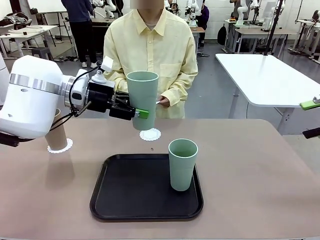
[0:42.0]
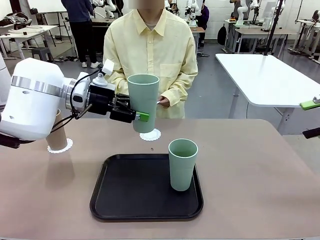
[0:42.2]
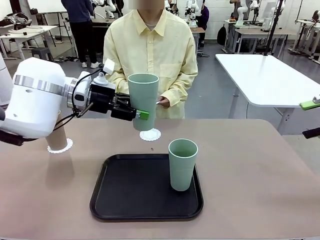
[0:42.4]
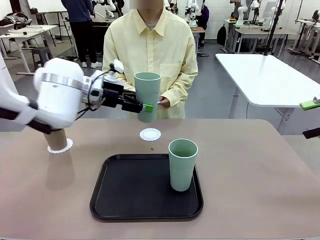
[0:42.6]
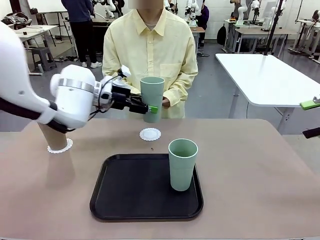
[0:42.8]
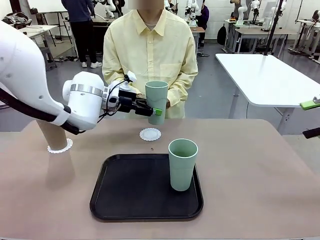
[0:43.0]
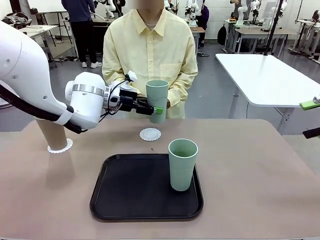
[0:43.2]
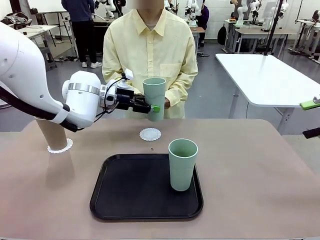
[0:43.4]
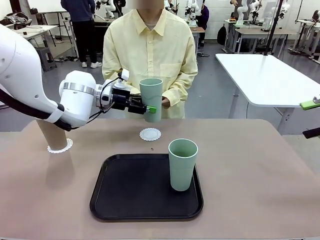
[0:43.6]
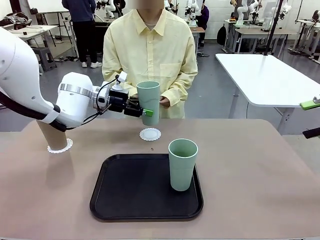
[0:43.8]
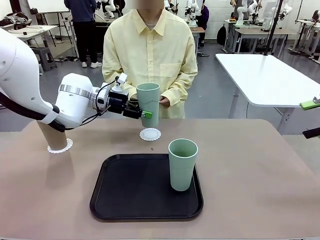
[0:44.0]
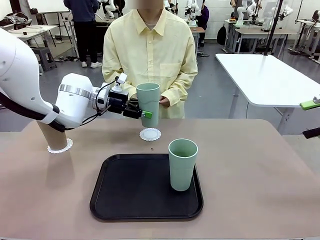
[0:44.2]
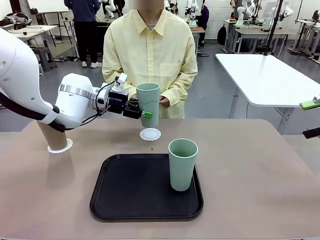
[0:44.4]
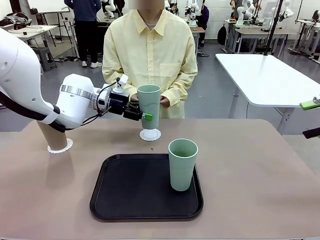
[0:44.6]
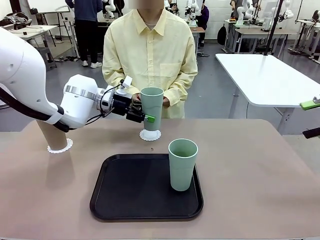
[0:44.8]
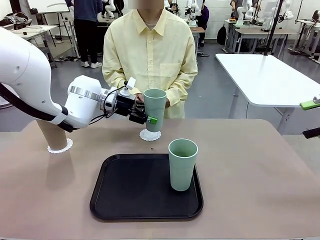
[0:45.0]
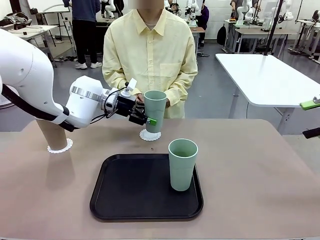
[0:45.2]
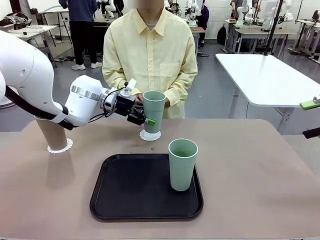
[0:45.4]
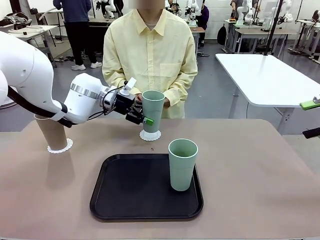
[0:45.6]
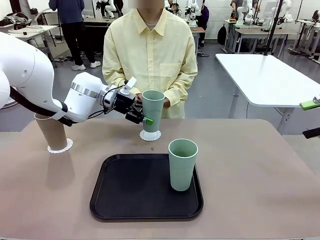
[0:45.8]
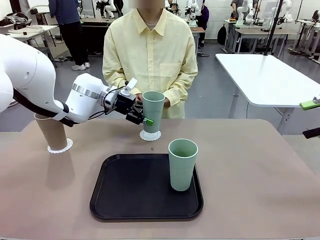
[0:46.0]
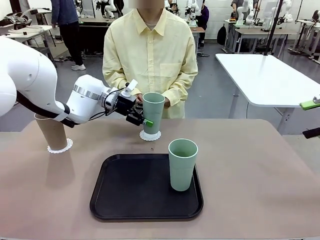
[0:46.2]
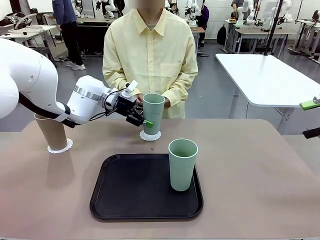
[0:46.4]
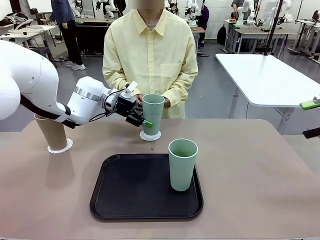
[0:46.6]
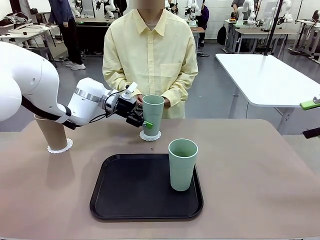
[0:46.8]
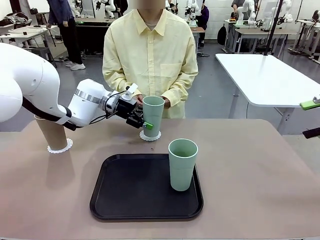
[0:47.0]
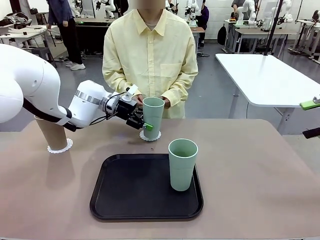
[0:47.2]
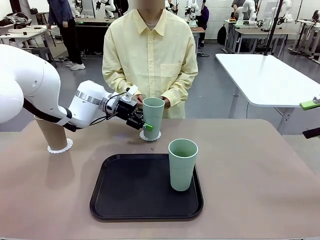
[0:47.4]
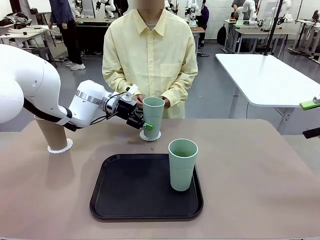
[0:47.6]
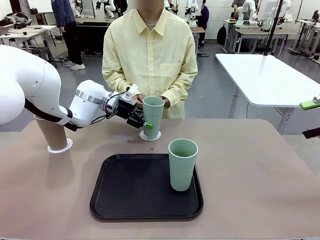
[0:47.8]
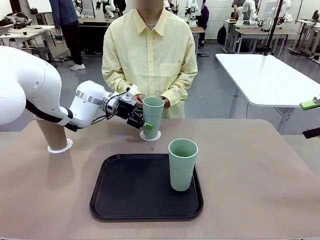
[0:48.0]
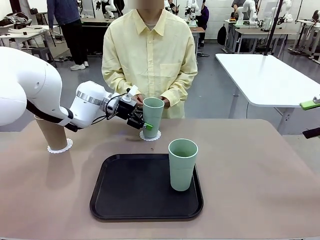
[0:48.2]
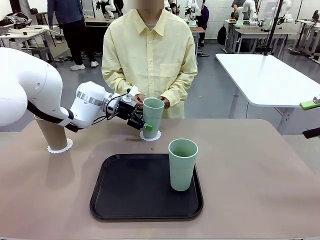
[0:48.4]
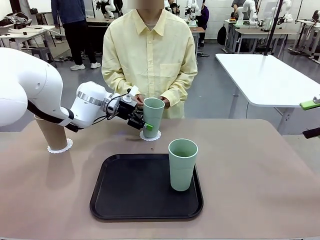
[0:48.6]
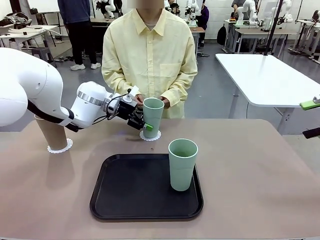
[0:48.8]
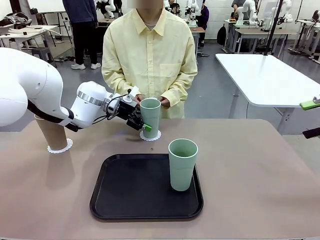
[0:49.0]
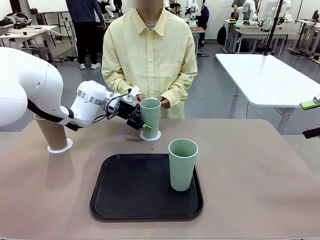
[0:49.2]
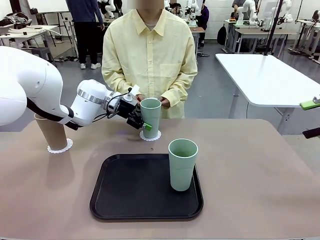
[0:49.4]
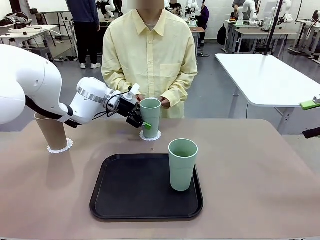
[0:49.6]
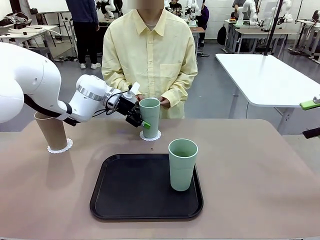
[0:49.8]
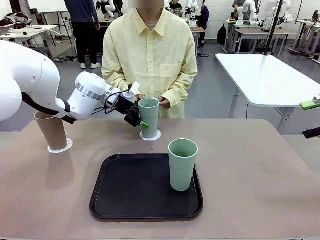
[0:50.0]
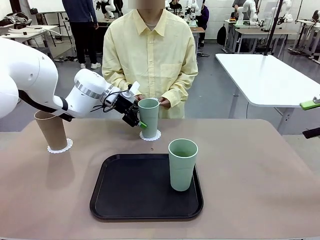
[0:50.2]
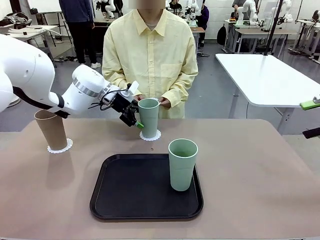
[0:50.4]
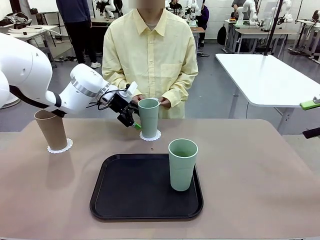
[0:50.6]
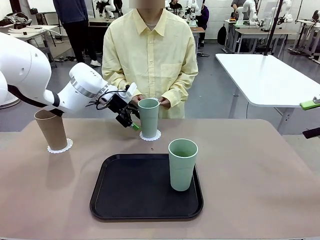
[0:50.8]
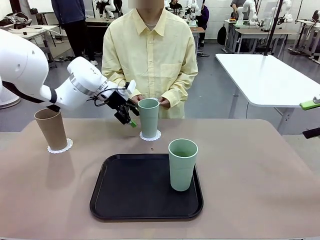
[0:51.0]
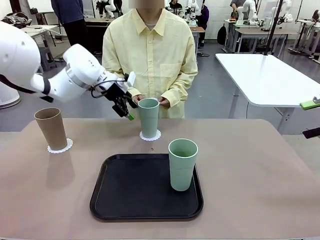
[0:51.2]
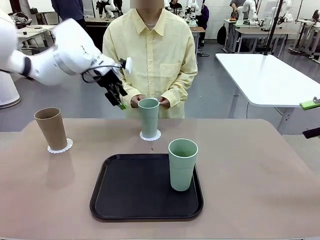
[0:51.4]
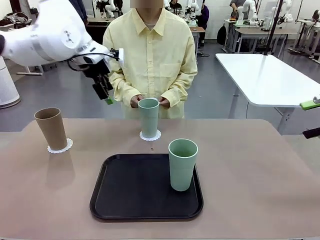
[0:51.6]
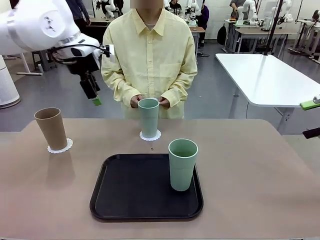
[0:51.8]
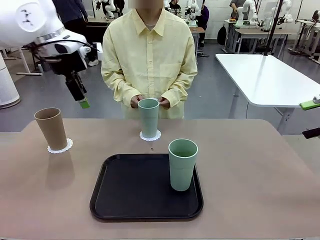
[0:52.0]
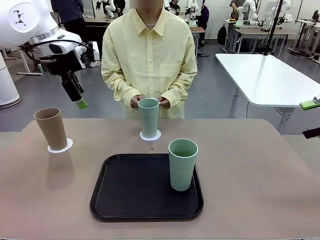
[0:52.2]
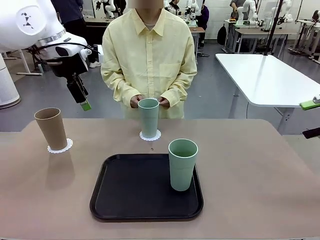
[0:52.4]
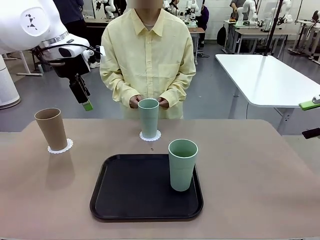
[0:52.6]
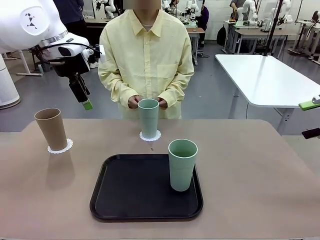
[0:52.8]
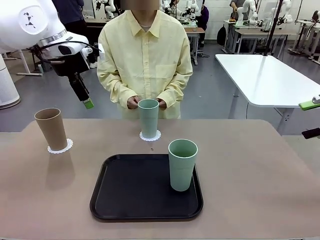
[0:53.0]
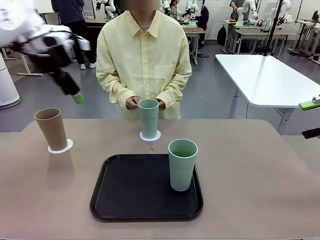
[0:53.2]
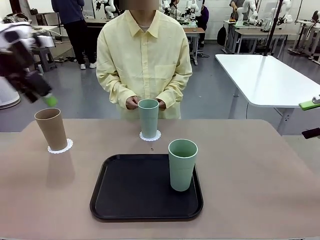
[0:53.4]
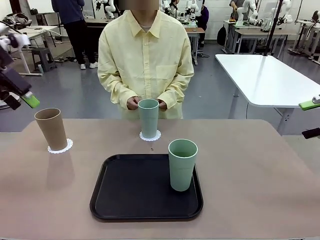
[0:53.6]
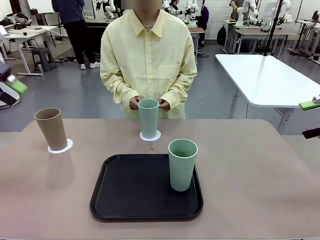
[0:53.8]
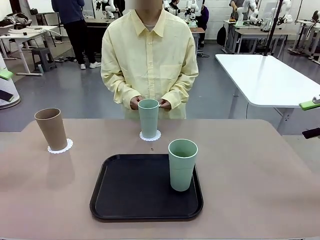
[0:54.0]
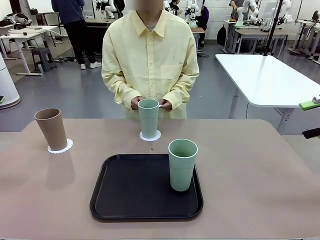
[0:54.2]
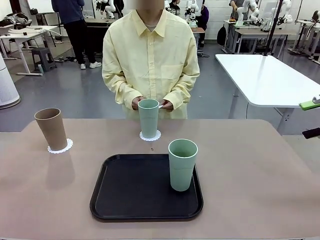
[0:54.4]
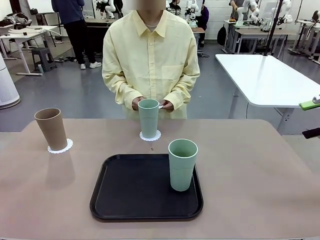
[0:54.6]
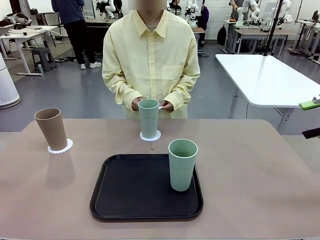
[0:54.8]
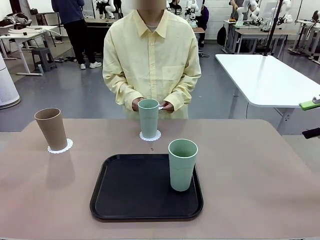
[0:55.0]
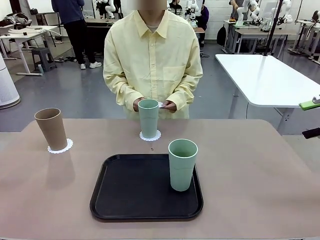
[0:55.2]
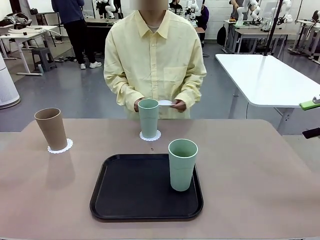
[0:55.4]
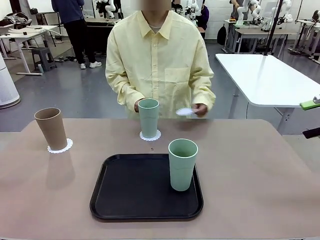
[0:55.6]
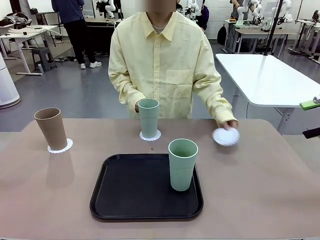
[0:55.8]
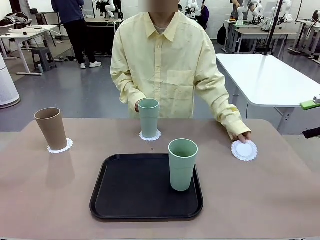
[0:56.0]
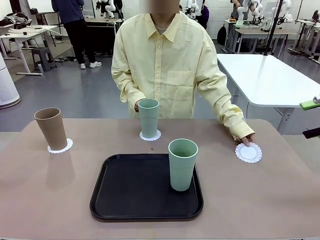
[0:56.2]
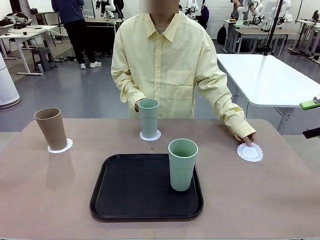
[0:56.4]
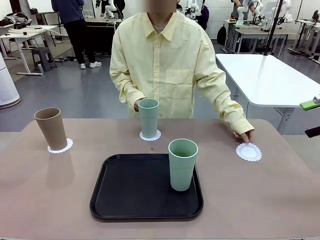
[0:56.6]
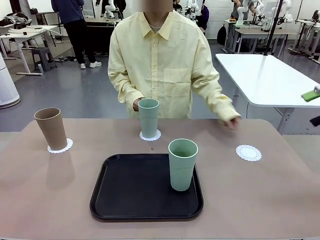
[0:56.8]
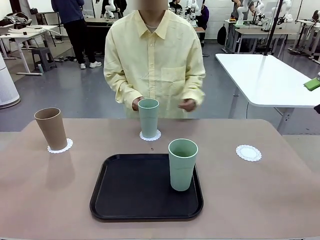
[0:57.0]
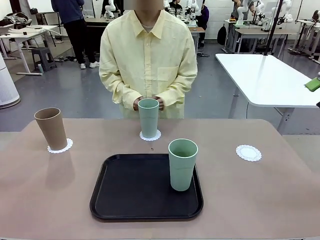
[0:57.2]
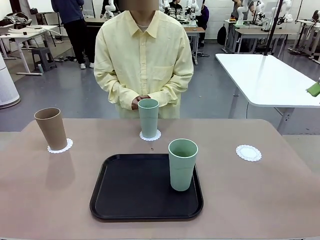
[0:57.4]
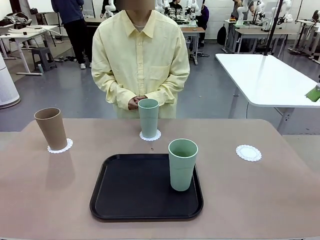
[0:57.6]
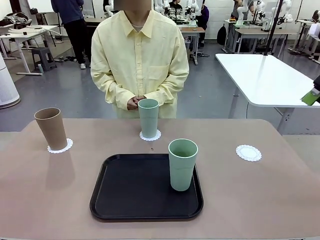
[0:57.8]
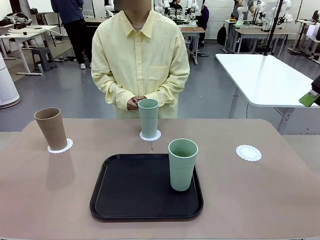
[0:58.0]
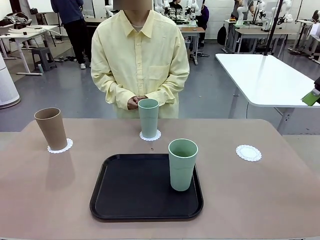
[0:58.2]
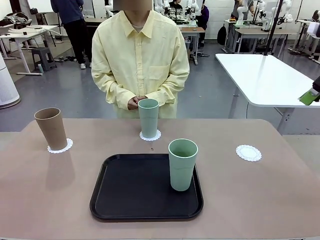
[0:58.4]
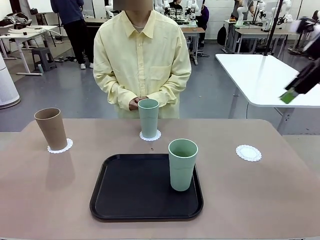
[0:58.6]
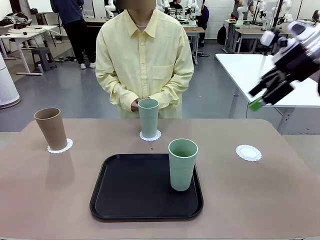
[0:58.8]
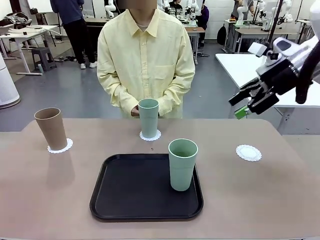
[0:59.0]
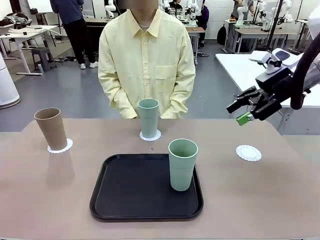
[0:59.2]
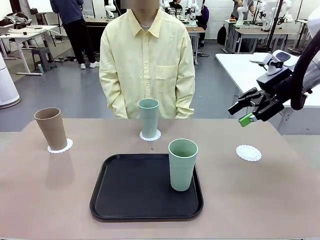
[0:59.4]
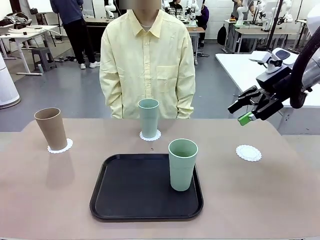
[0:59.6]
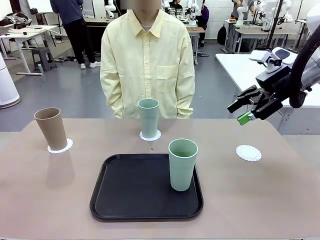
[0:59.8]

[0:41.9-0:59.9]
Task: Place coasters on the table and set cups on them.
Robot: Take one Reusable plastic cup from the Flat Tray and place it on a coaster set by the human.
